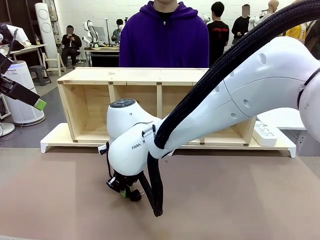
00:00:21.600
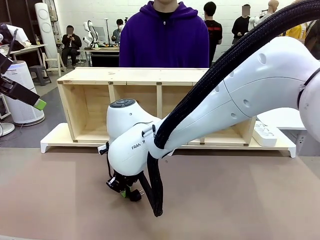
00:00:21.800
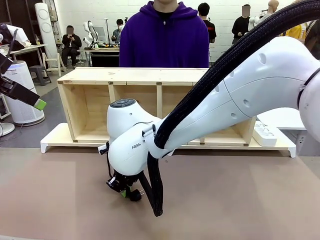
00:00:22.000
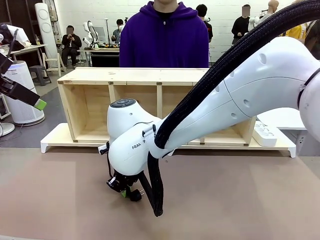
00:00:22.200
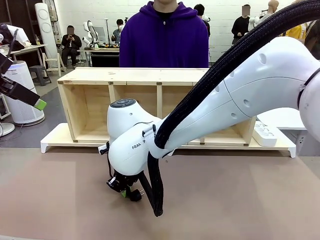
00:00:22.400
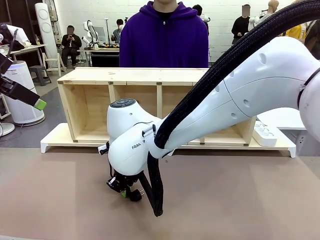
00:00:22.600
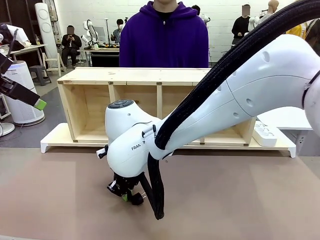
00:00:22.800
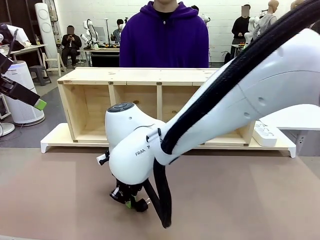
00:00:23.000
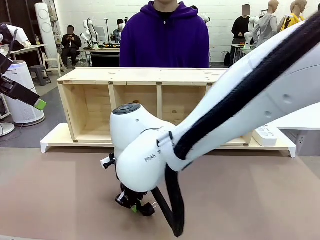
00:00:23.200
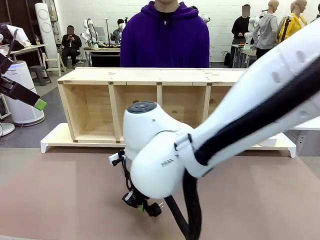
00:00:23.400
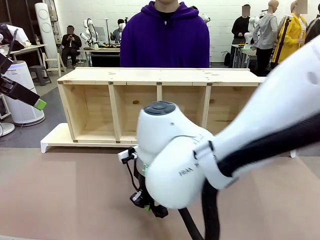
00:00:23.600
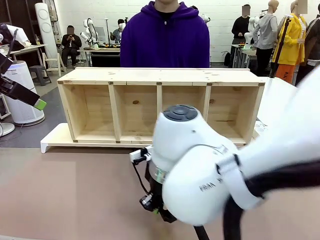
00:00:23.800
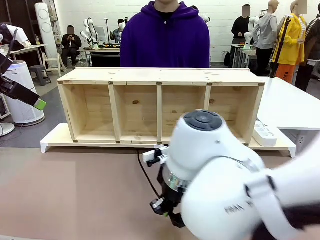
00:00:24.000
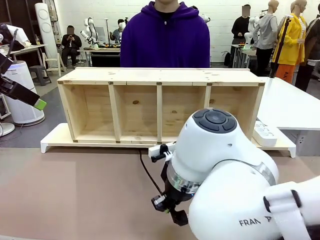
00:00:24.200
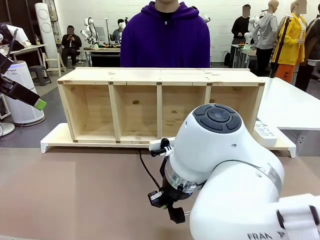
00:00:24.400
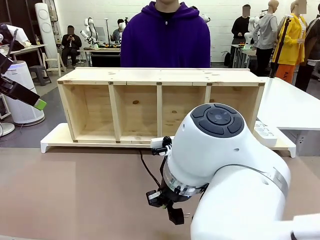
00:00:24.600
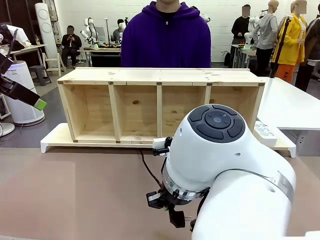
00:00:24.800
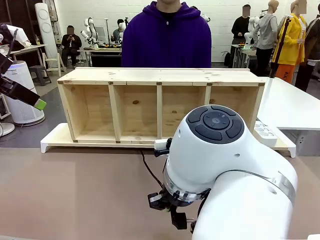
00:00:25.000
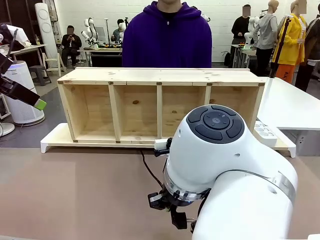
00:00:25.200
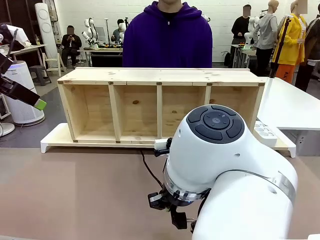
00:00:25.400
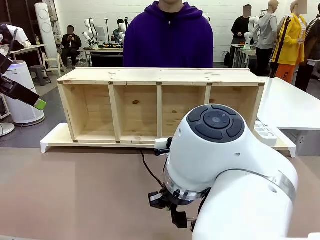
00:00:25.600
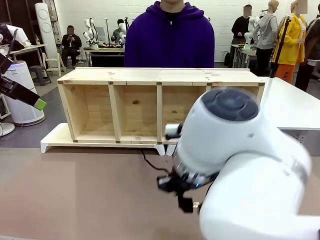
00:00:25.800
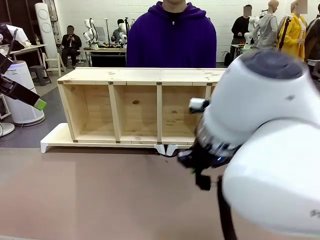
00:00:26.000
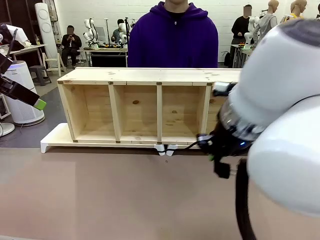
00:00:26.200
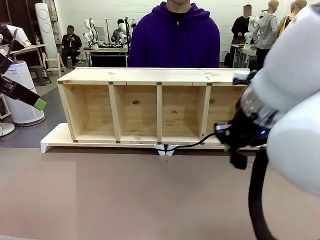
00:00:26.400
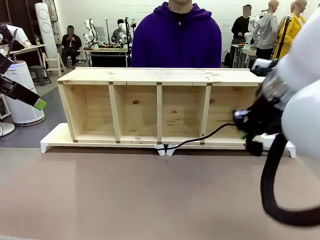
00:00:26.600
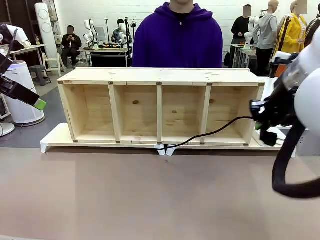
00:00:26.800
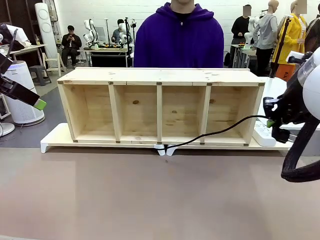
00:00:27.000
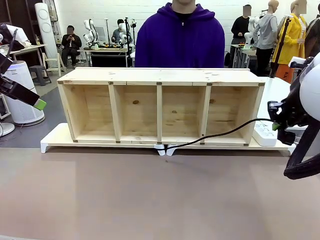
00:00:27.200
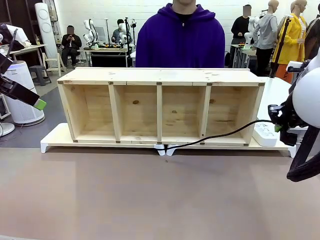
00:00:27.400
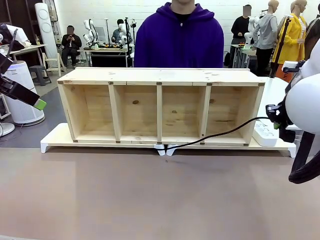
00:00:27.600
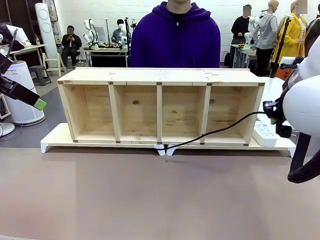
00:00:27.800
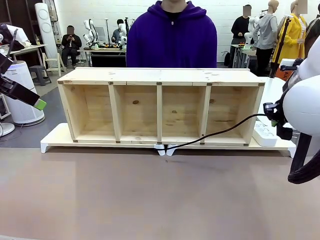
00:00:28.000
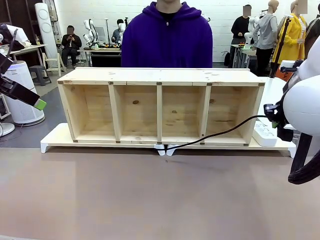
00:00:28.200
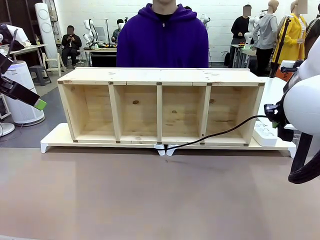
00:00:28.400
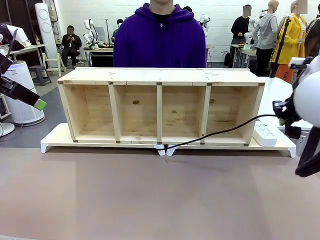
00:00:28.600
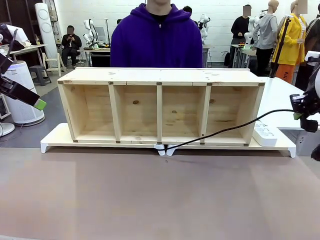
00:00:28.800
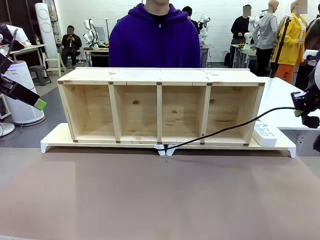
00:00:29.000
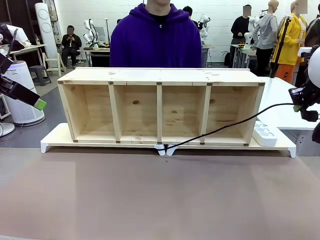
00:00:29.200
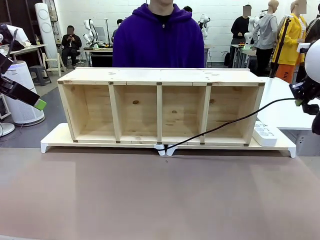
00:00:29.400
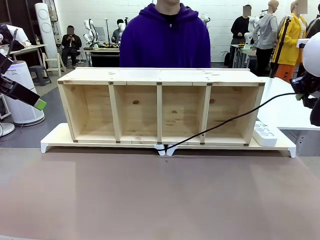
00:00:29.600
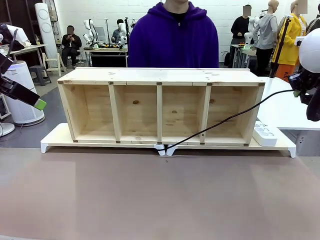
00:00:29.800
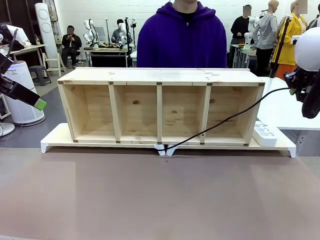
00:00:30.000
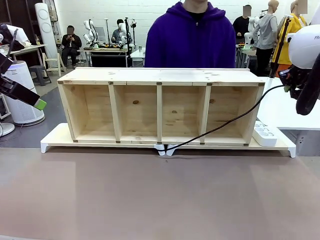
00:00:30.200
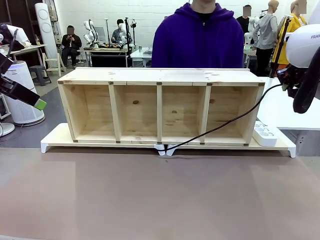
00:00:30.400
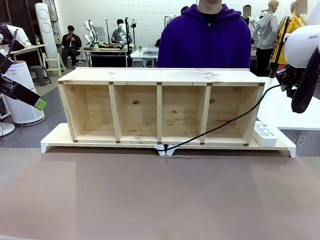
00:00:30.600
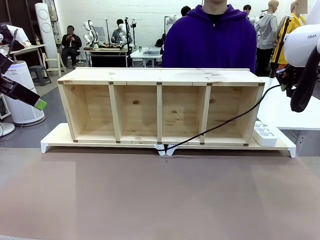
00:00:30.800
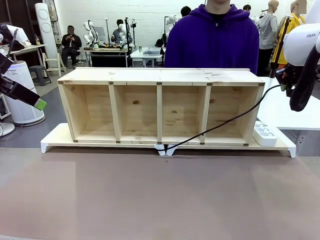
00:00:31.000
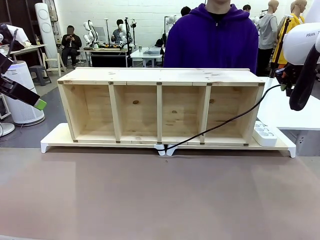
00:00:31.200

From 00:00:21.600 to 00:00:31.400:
Task: Perform cable management.
Robot: Pull the grasped Power Cable to the location of the Power Strip.

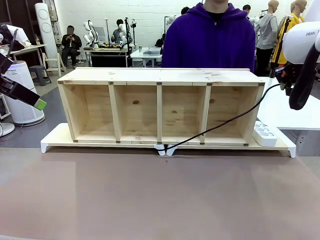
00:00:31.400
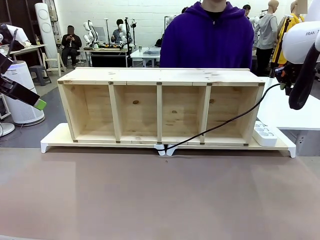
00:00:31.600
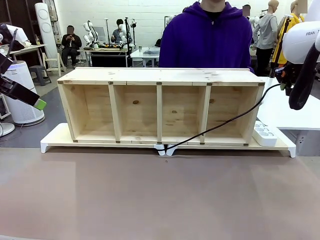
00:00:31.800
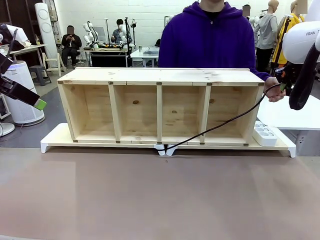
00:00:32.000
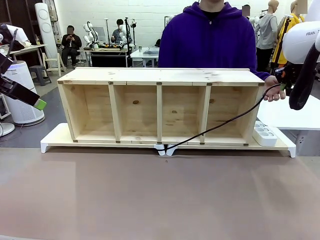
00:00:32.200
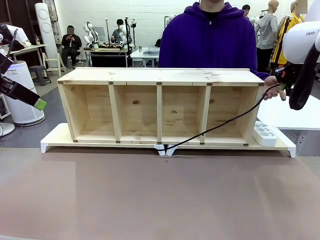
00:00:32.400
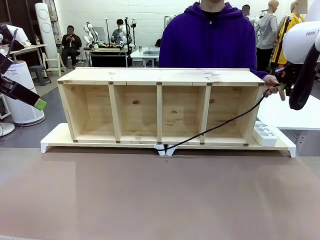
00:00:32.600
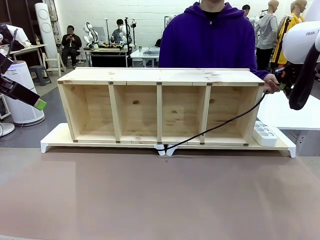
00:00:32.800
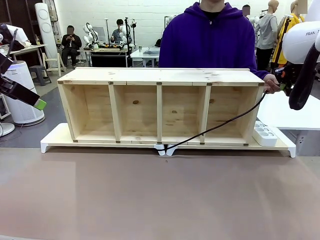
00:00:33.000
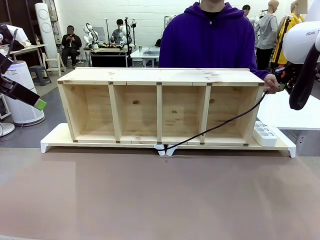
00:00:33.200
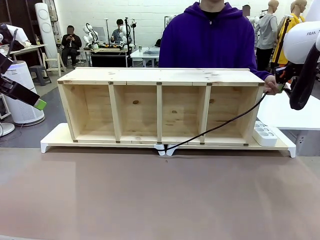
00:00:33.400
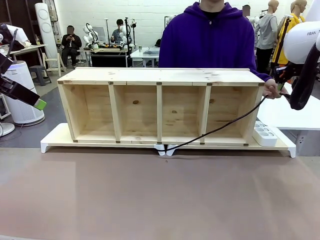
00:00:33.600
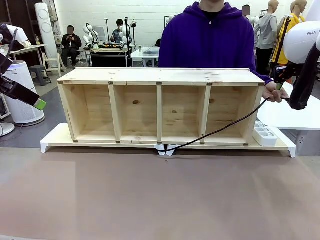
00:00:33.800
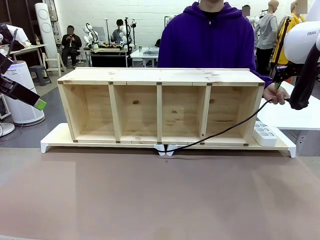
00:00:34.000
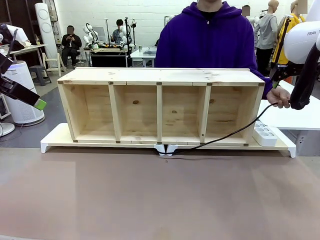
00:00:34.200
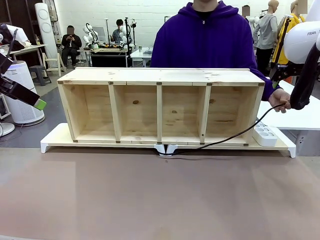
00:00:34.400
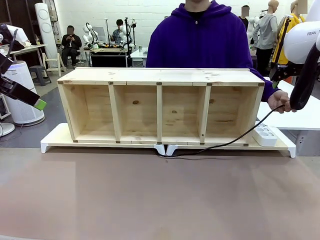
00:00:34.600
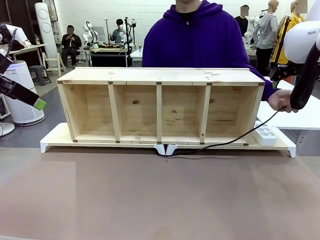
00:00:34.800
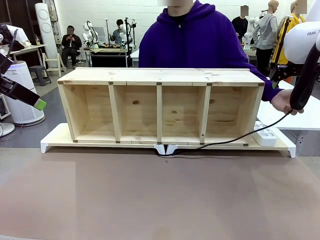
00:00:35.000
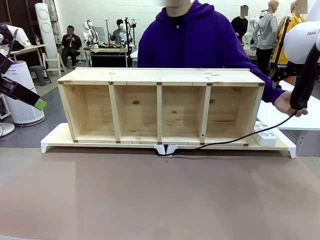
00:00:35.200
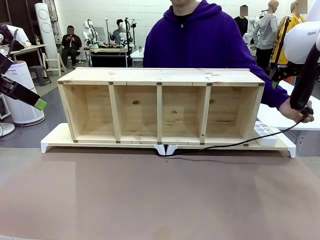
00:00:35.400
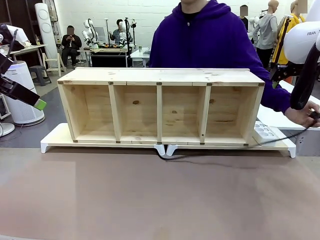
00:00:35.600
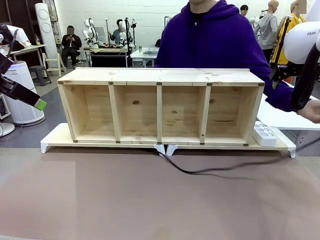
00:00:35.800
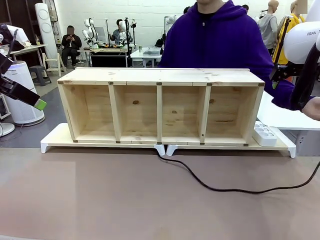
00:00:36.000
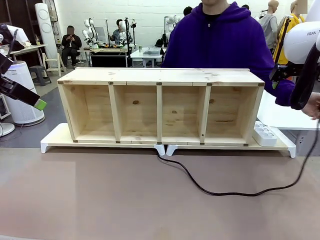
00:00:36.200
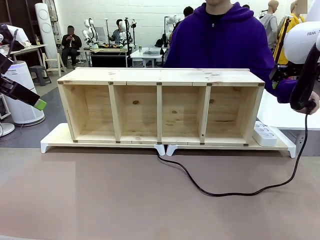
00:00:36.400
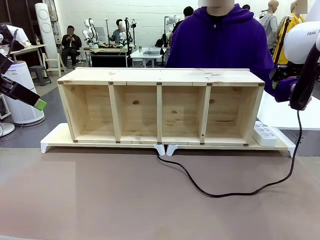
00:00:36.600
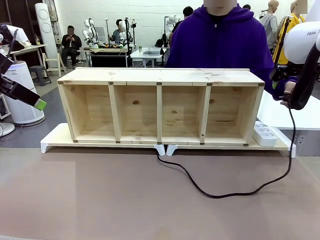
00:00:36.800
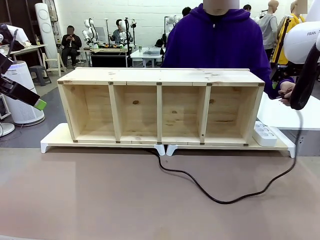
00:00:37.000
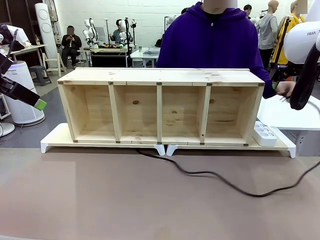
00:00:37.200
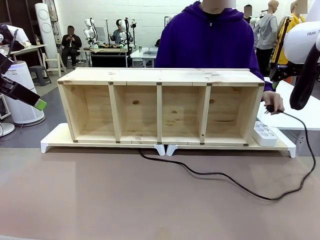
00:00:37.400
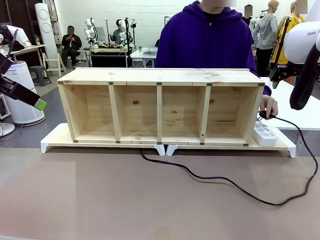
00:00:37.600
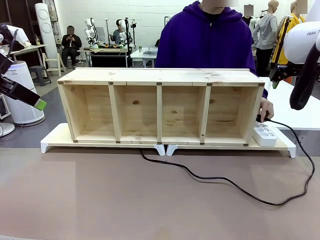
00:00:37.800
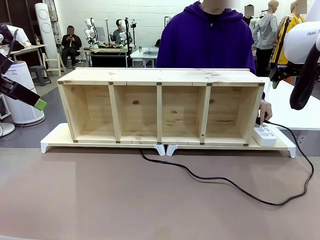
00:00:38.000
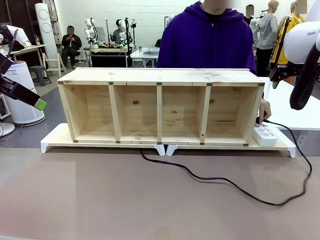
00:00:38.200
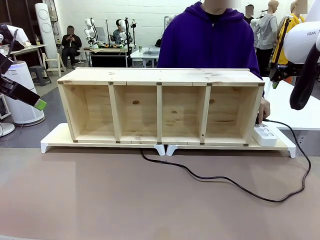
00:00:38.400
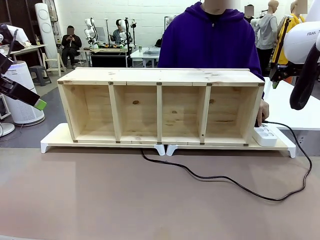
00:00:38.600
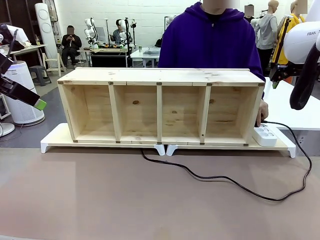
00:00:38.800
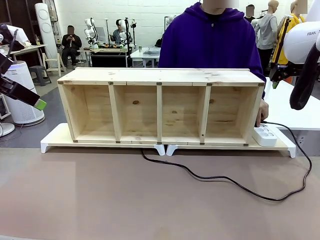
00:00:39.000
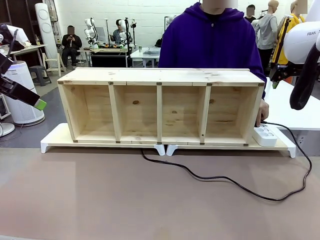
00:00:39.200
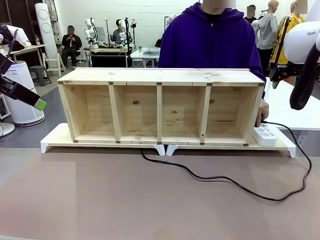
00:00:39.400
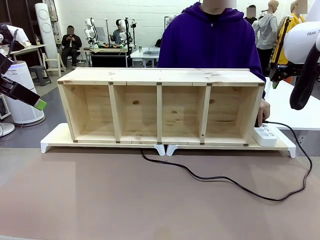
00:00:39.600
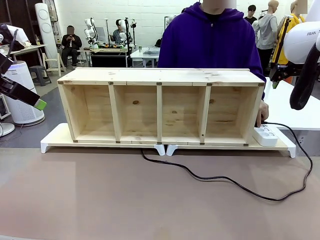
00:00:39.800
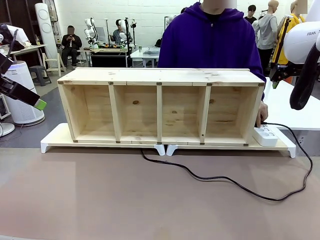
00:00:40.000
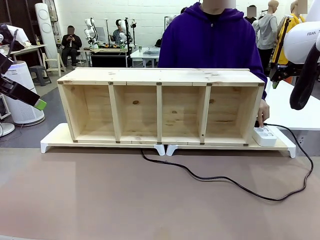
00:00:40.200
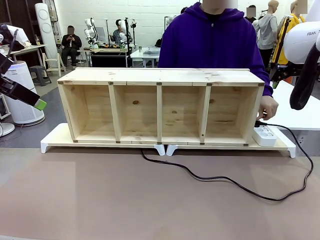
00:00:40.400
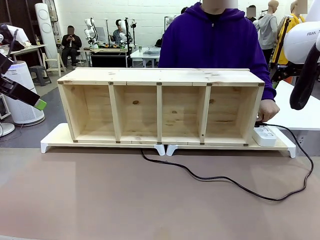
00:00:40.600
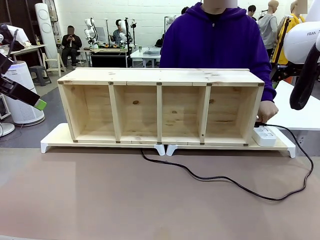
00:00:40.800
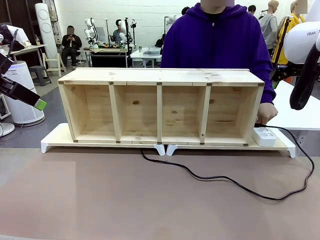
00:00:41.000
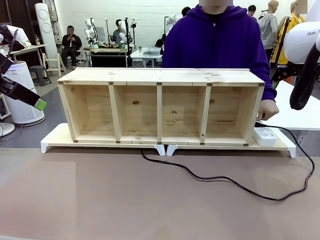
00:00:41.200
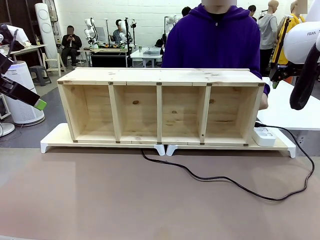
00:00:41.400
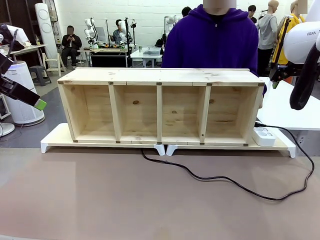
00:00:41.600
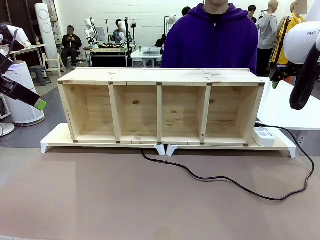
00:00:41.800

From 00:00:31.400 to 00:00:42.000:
Robot: Release the Power Cable when the human grasps it.
Person: Plug the Power Cable into the Power Strip.
